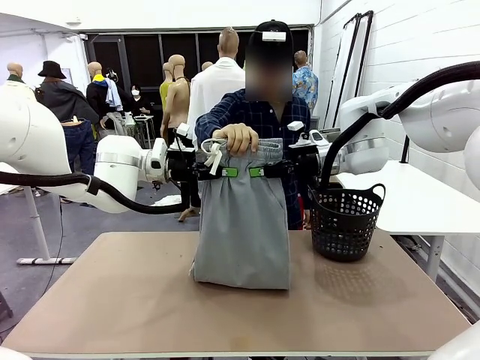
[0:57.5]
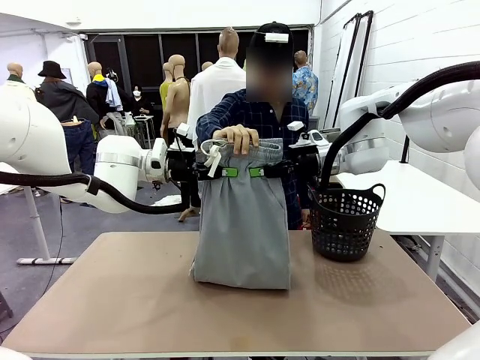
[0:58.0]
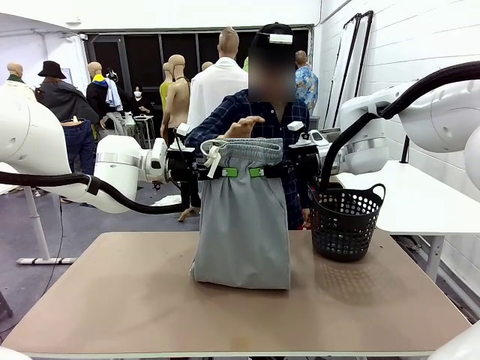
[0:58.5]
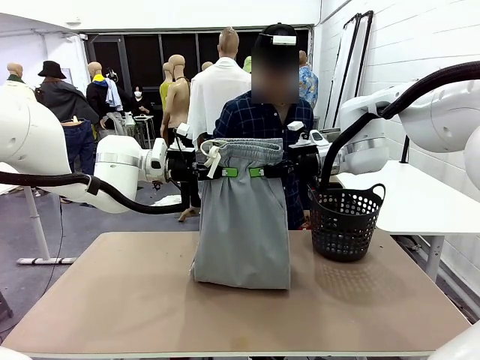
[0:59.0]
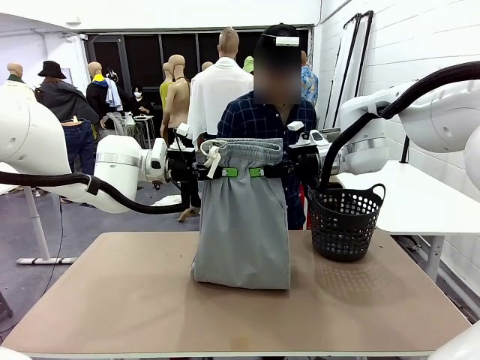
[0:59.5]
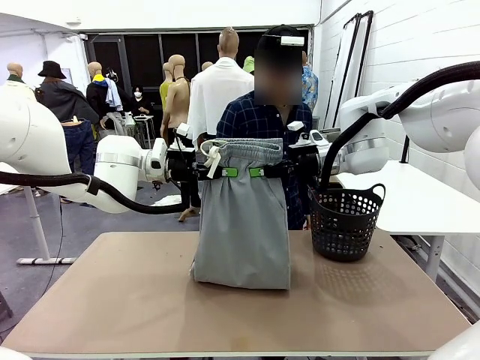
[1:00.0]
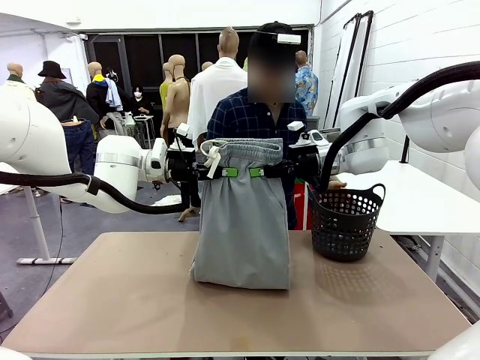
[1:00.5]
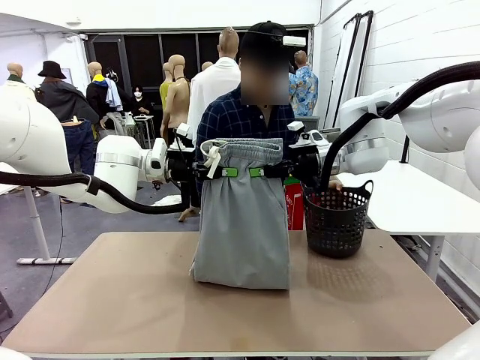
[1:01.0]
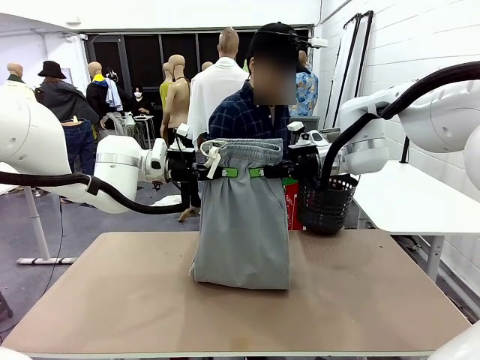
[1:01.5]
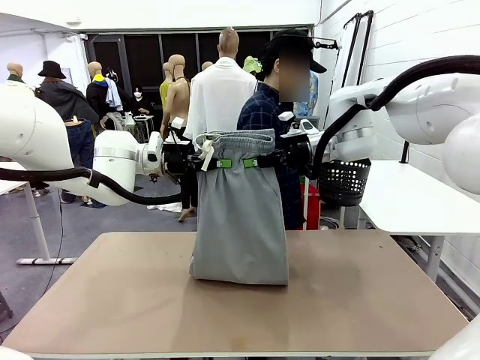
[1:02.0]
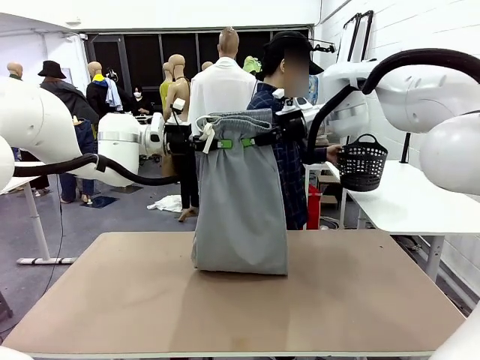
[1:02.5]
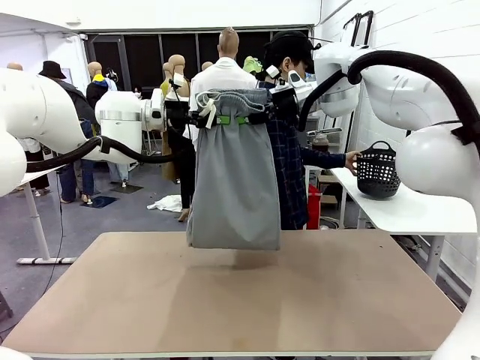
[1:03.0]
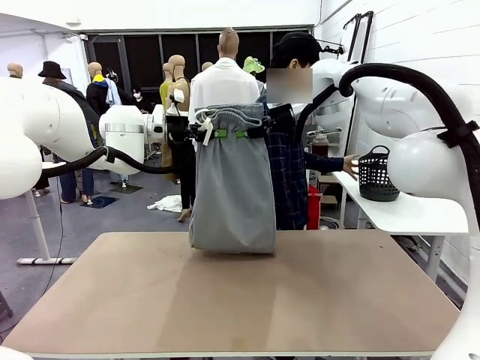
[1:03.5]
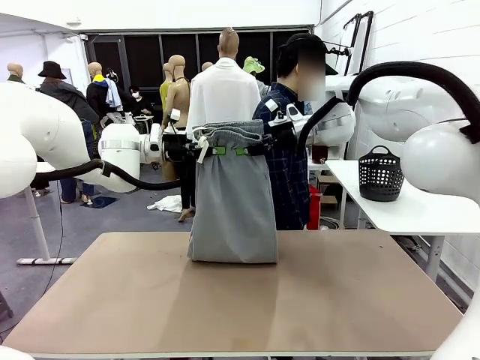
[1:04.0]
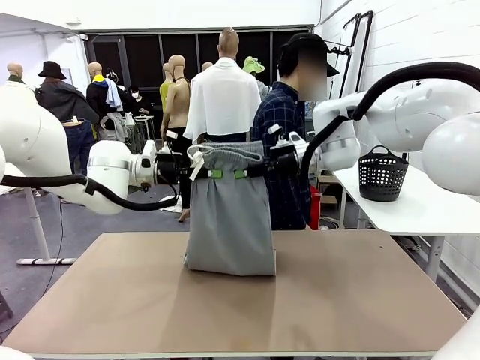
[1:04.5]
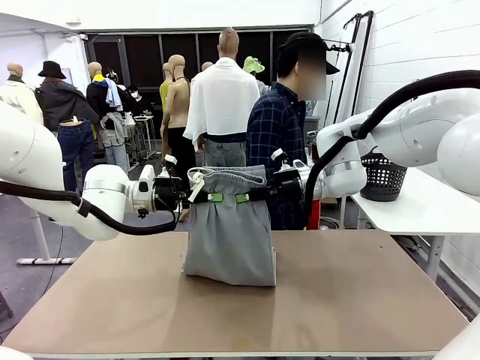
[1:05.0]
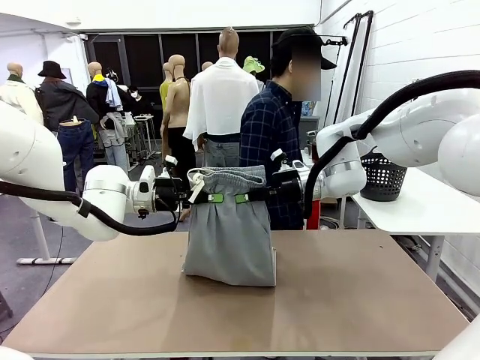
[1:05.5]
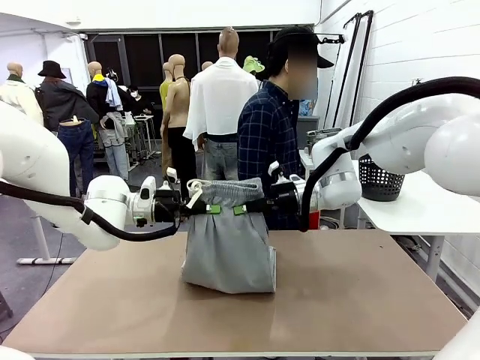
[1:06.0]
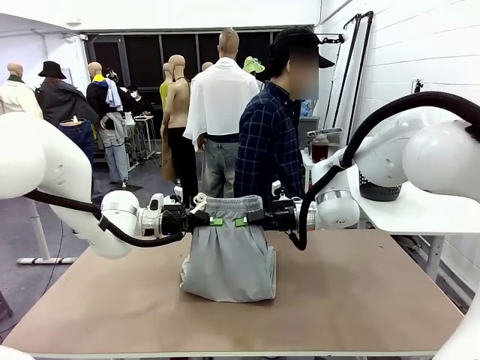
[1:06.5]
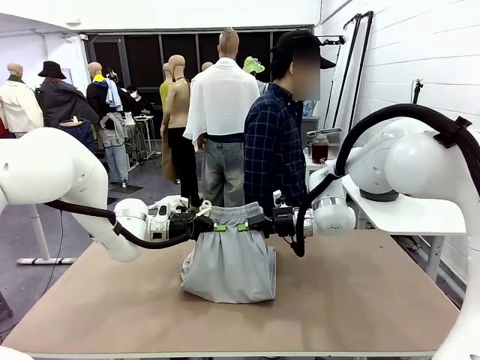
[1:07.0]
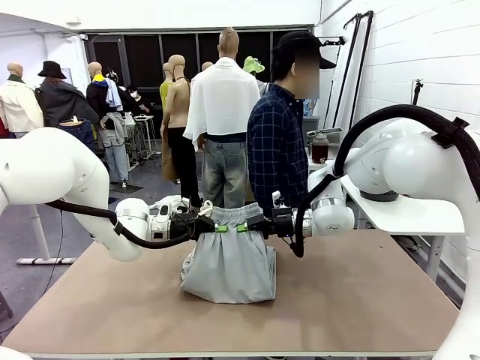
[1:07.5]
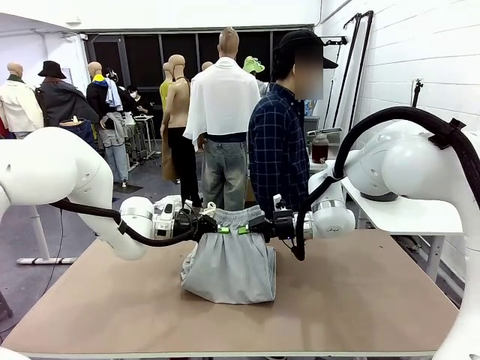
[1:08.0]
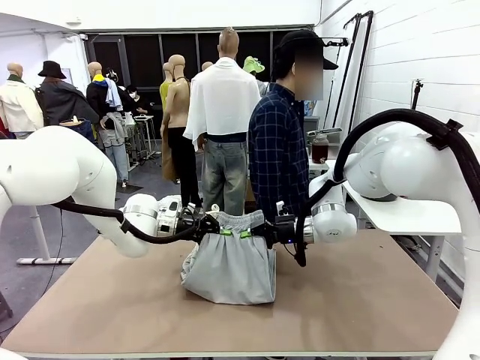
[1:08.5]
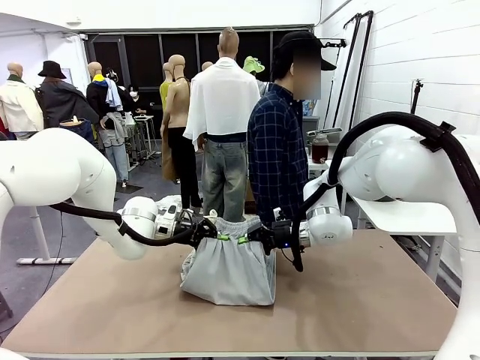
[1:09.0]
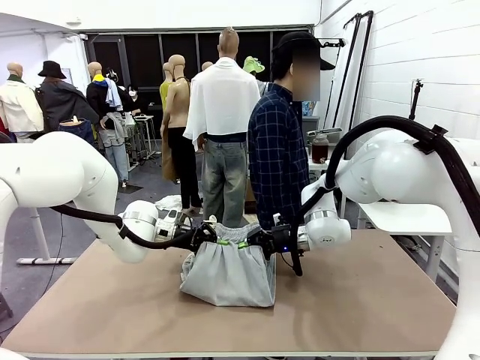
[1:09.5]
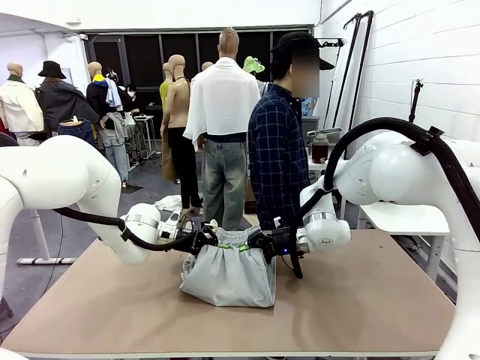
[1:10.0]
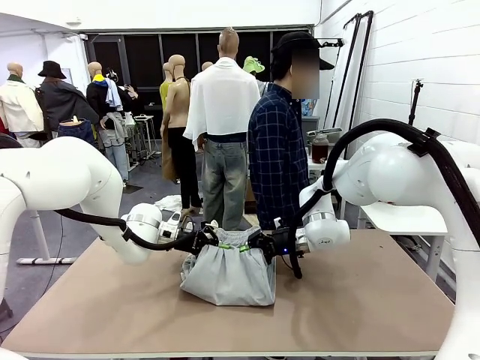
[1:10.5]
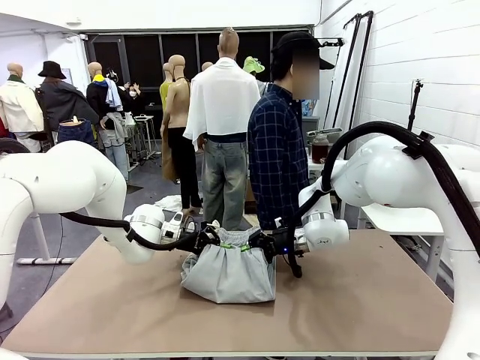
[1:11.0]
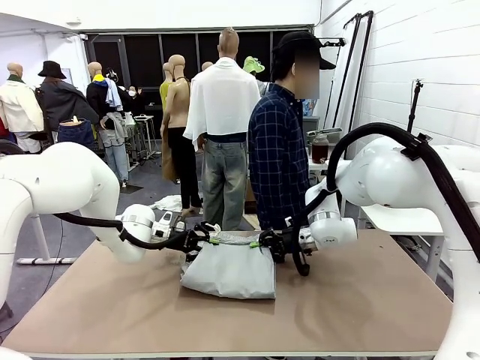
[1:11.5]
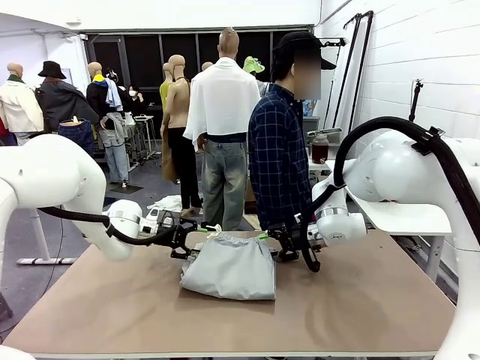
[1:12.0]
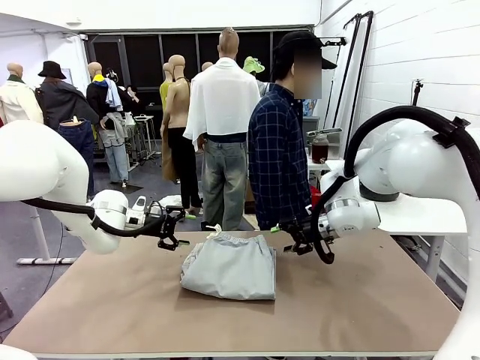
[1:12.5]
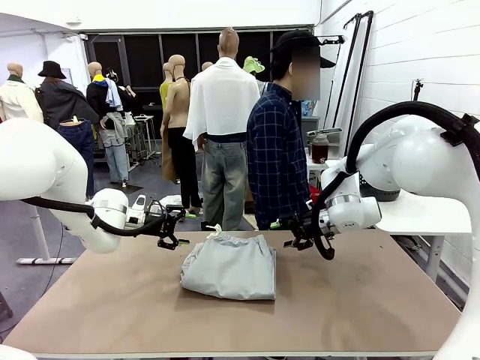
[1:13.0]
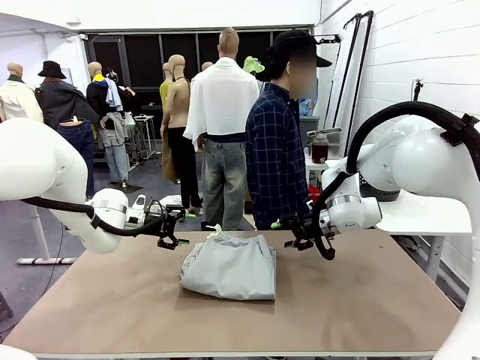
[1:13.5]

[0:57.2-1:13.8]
Task: Fold the training pants.
Robot: Fold the Training pants in half.
Person: Move the laundry basket to the right of the human table.

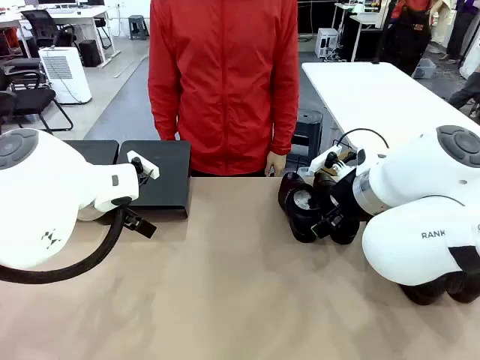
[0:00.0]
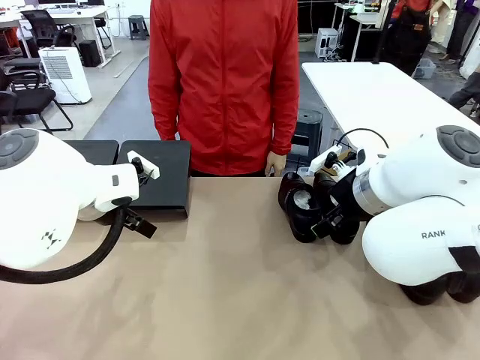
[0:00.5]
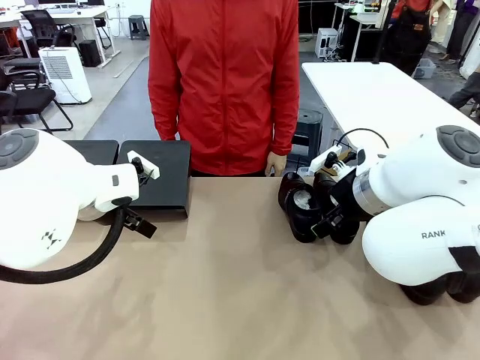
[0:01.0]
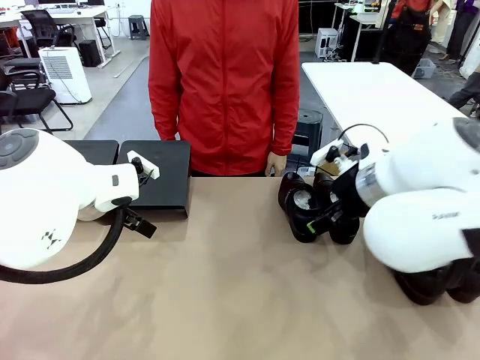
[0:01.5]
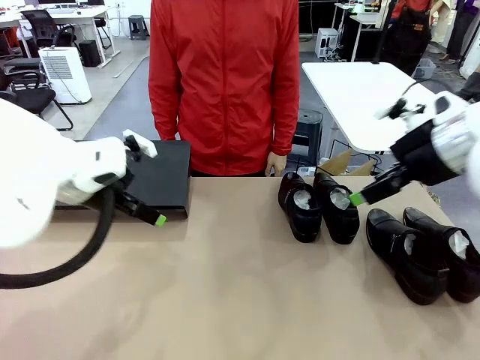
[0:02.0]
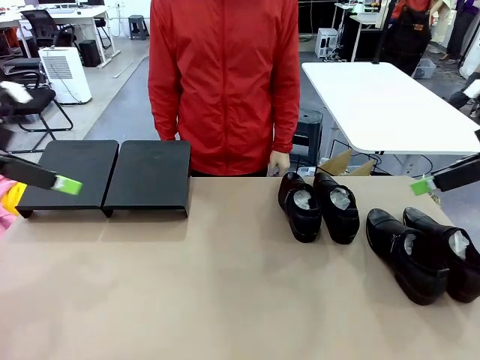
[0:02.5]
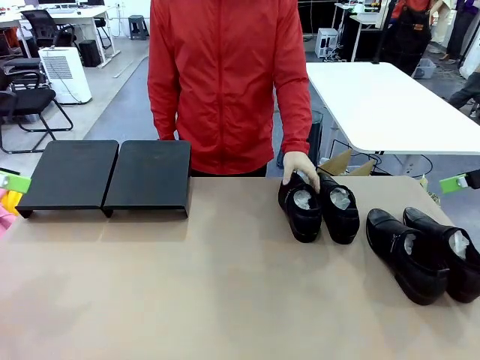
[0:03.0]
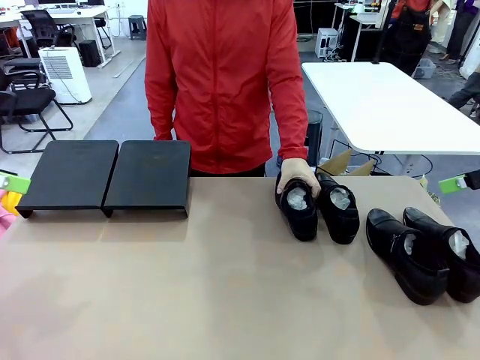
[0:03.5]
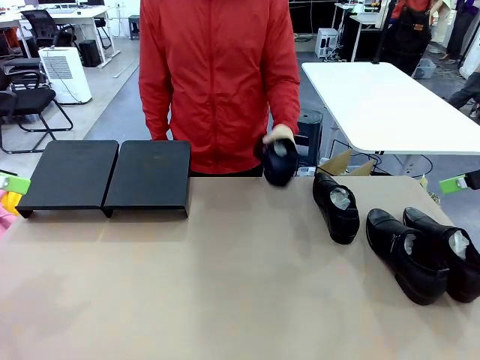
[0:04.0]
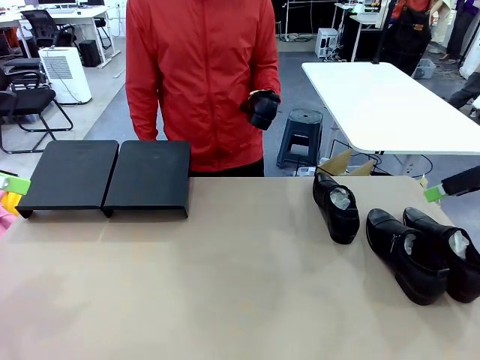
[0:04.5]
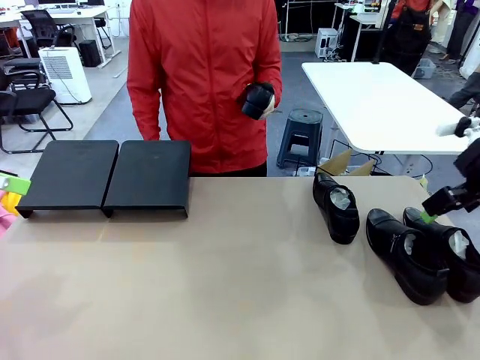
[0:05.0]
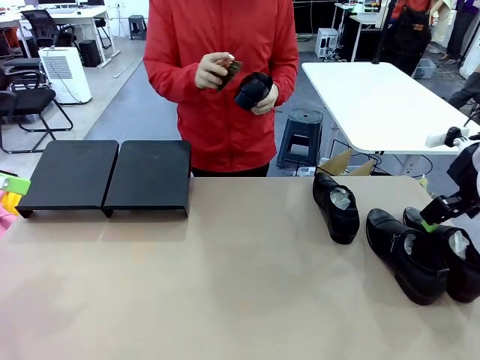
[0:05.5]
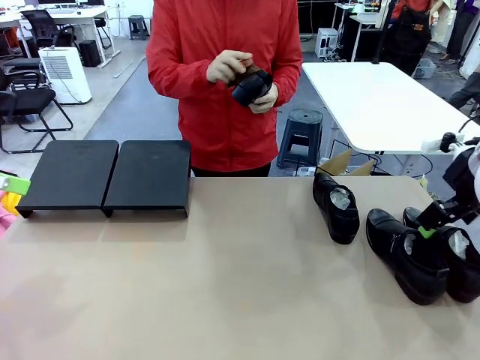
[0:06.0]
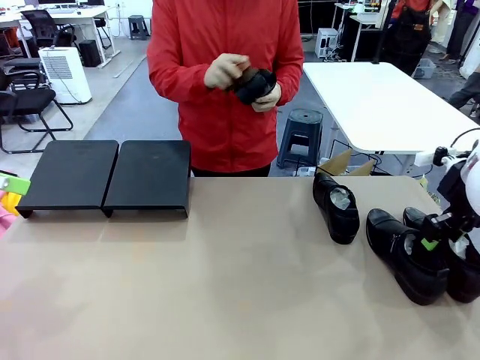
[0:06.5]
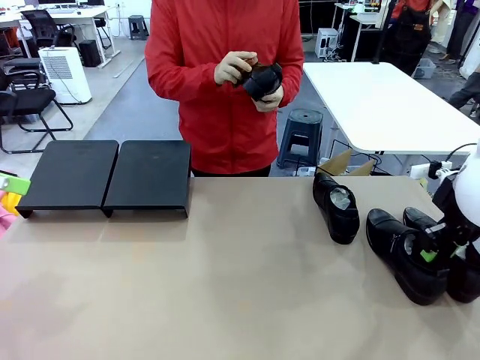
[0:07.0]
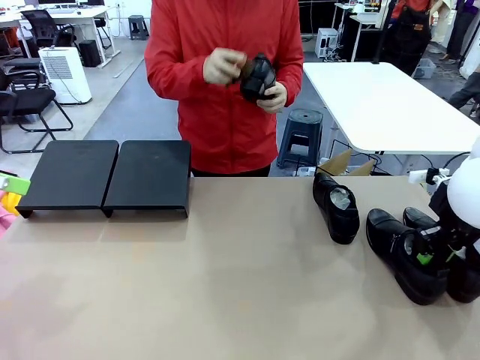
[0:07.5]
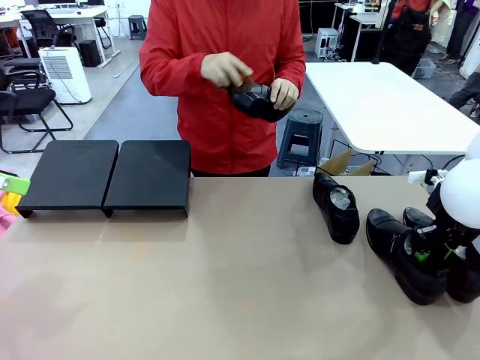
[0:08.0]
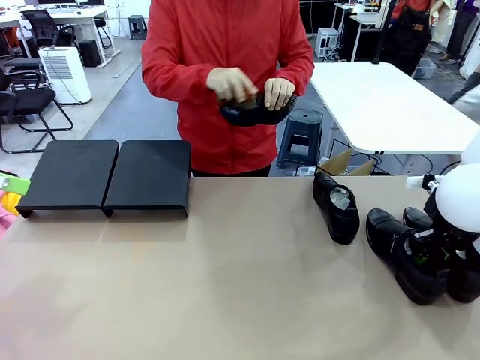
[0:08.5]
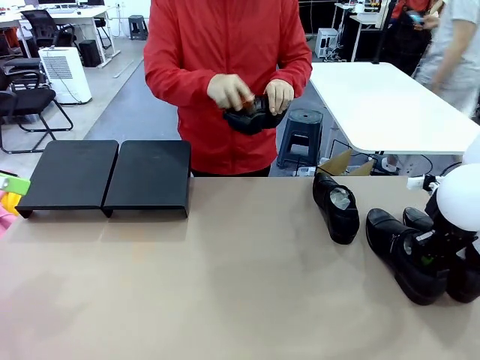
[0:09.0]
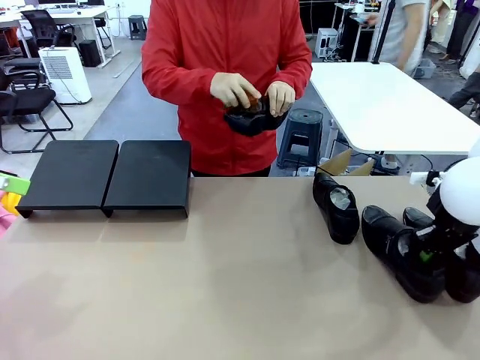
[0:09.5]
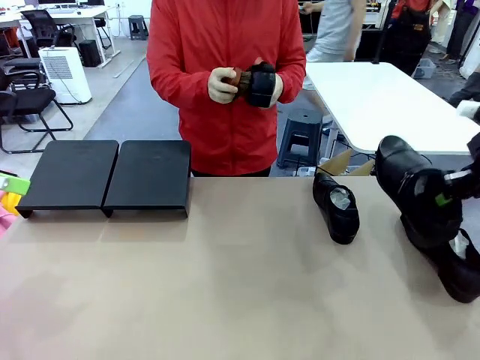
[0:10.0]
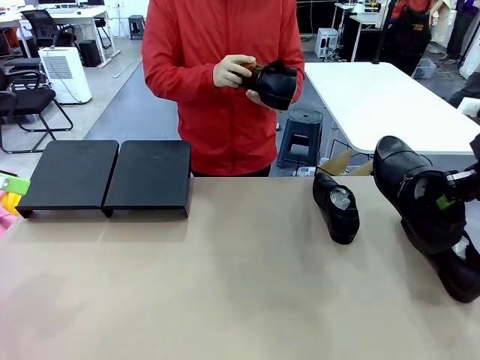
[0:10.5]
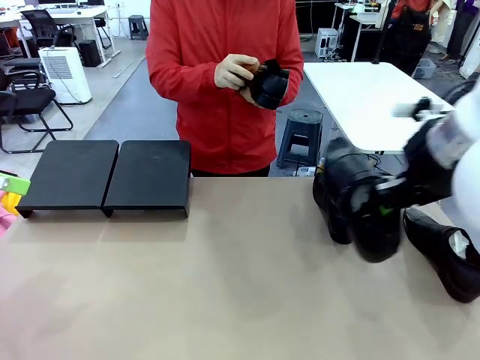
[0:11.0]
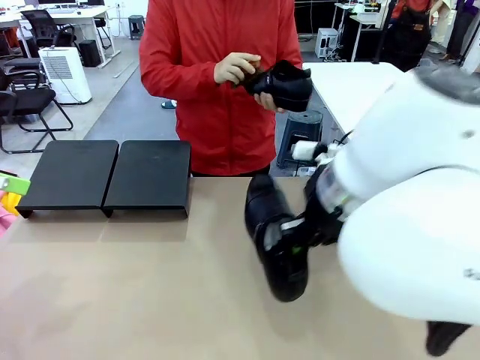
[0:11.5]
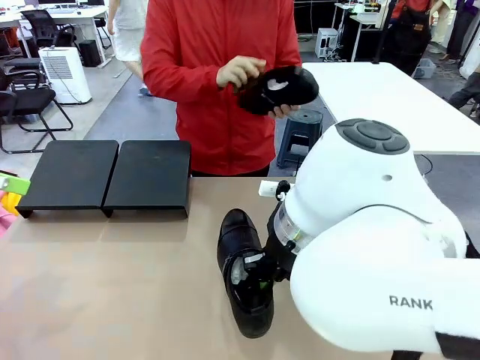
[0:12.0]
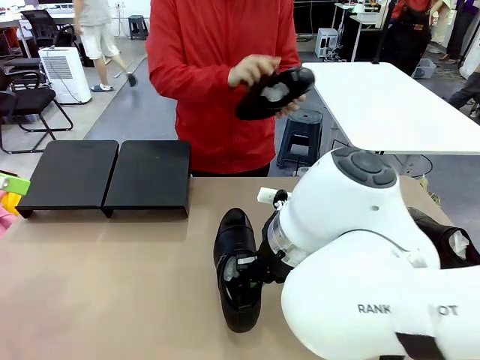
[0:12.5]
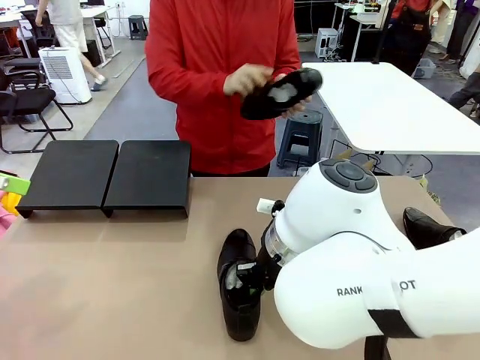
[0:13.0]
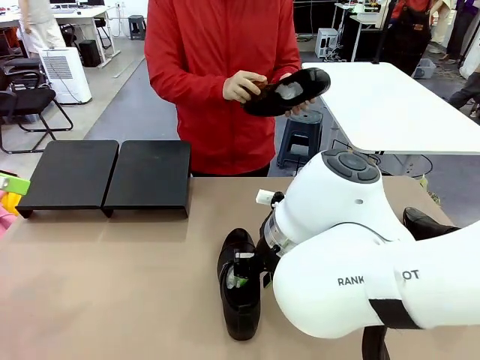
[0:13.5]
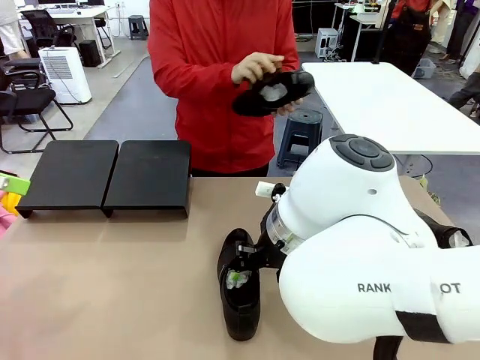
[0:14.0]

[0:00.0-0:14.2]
Task: Organize the shoes by placing them on the stand.
Robot: Pick up one Shoe and place it in the middle of the table.
Person: Pick one Shoe on Robot's table. Clean the Shoe with the Shoe Brush.
